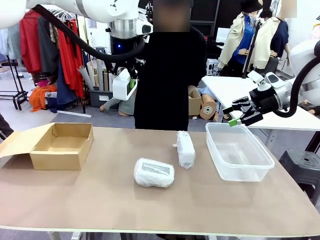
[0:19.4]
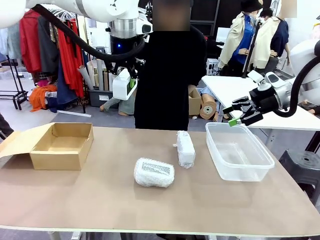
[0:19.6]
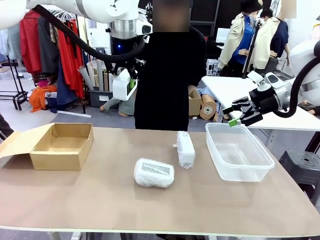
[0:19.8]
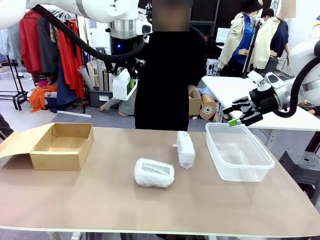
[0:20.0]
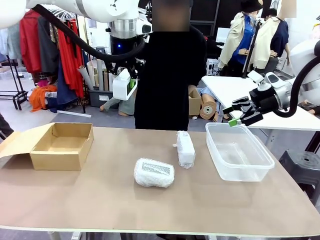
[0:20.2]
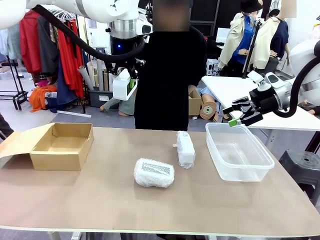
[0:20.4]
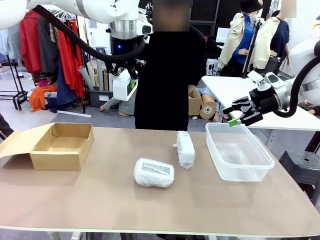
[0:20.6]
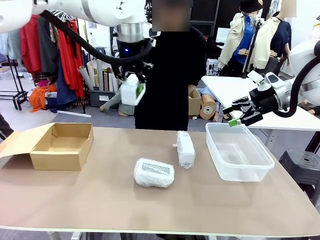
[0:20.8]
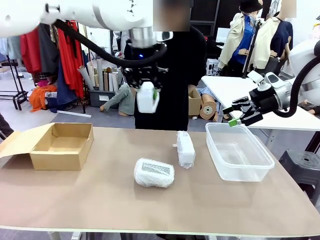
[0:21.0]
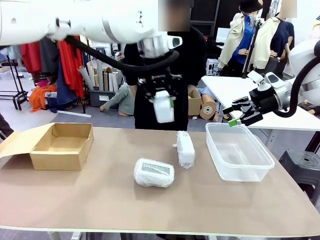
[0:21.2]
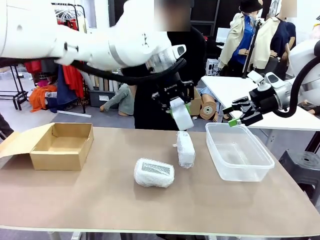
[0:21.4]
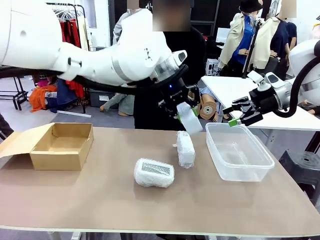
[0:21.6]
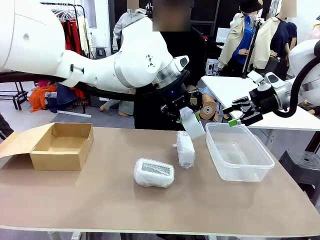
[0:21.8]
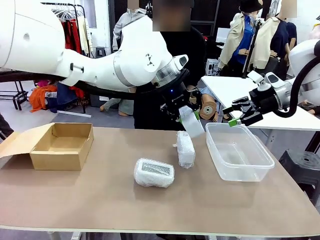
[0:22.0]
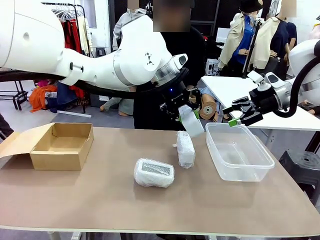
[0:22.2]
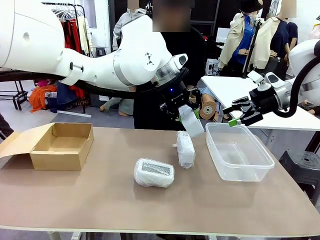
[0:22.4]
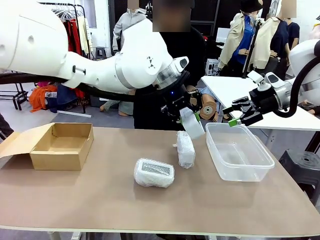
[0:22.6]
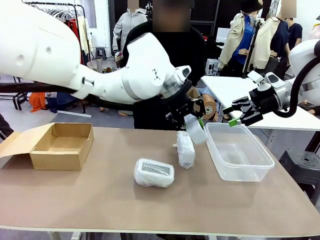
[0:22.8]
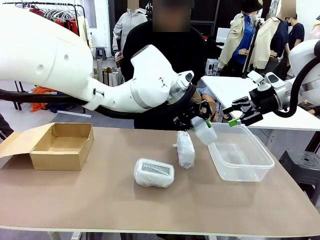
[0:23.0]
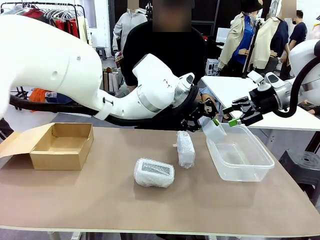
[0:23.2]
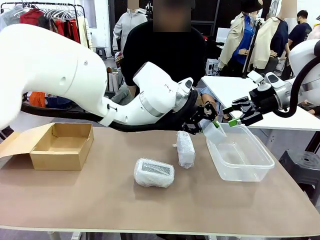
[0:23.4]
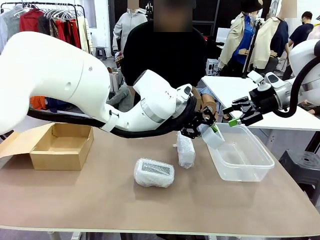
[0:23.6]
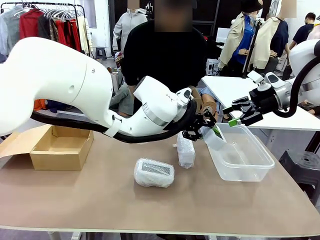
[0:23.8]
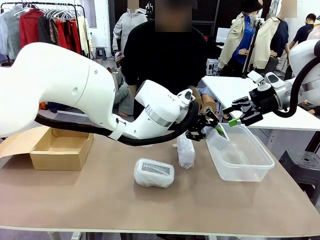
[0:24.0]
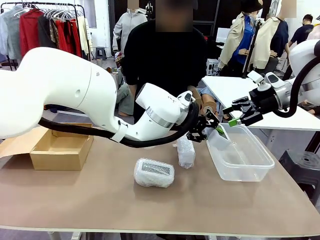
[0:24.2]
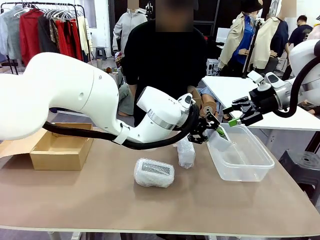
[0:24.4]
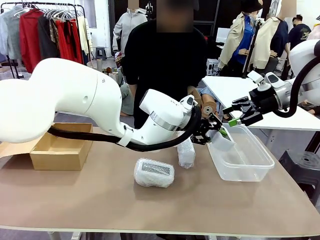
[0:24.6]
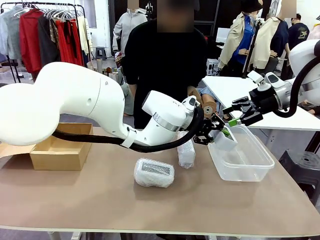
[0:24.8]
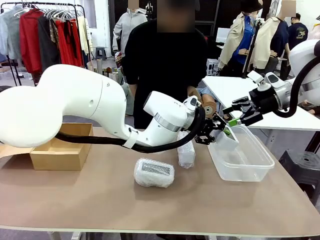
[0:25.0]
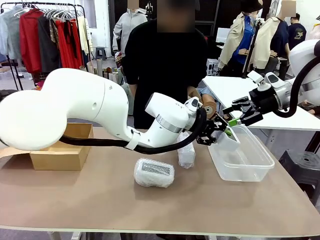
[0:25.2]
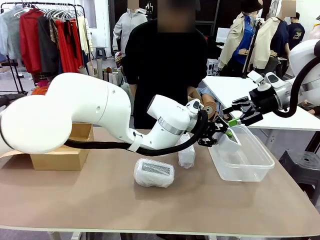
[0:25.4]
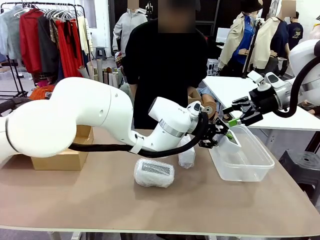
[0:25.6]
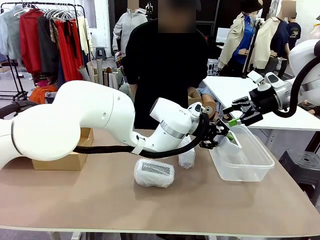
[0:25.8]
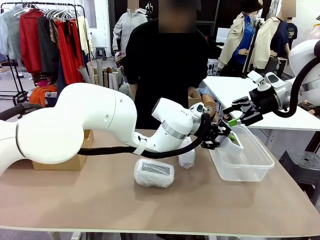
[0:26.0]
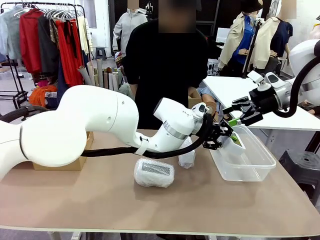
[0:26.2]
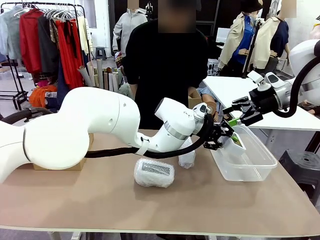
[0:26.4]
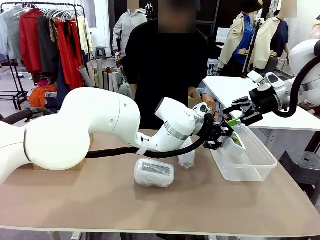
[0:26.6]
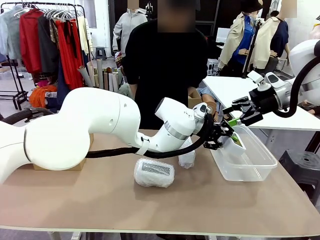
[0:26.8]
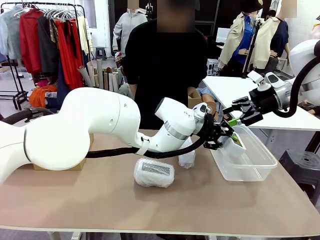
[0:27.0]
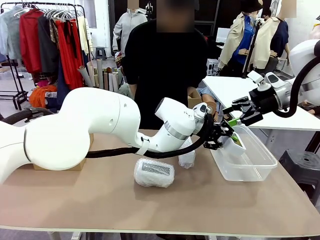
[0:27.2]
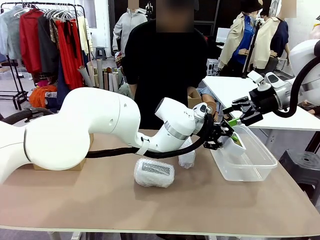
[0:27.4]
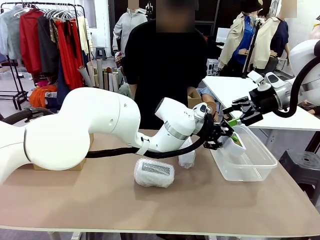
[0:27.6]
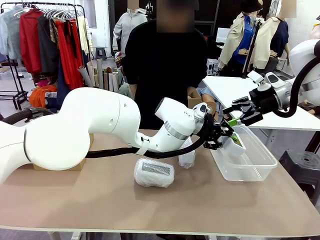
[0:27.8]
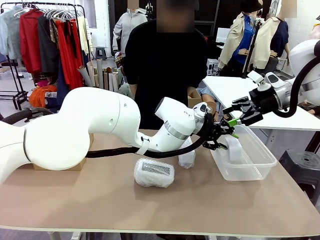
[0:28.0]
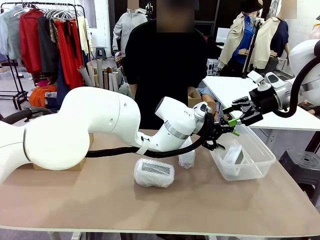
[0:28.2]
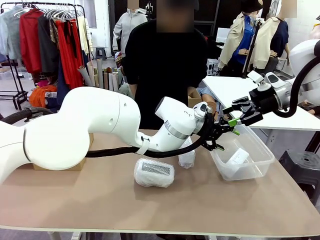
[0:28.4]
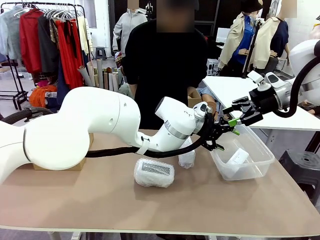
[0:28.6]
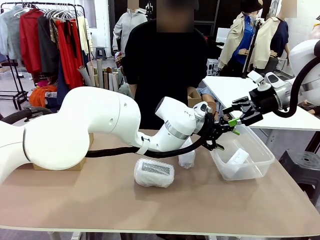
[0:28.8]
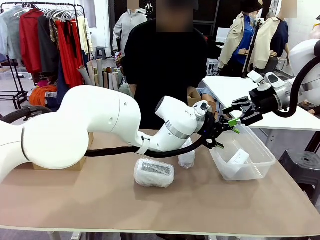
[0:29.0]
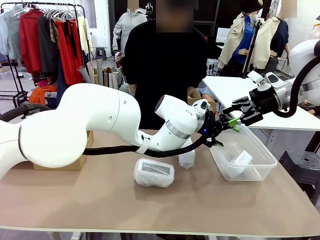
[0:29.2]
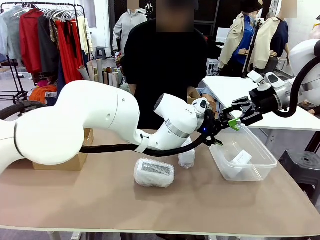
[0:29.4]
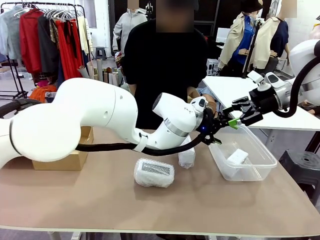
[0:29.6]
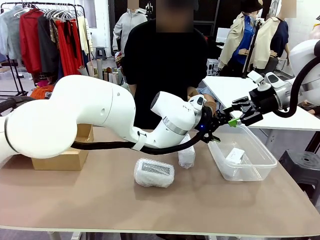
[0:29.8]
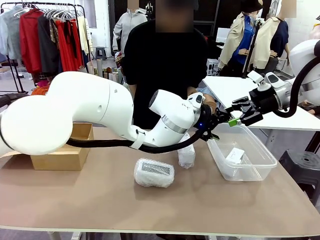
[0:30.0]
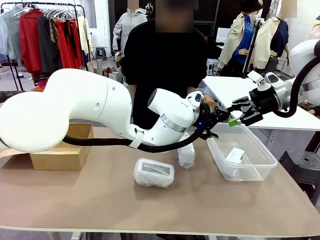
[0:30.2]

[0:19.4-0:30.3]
Task: Separate and place wrapped and unwrapped clocks.
Robot: If the picked Digital clock is wrapped, place it in the Package Box ; if not, place it in the Organizing box.

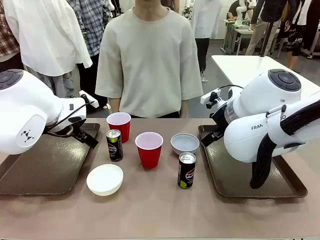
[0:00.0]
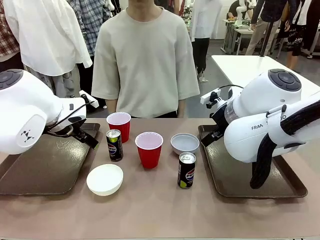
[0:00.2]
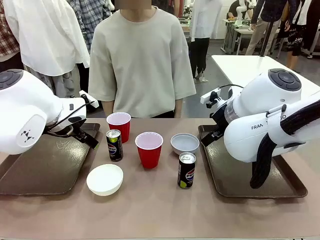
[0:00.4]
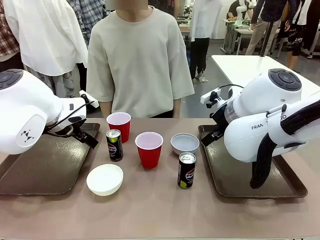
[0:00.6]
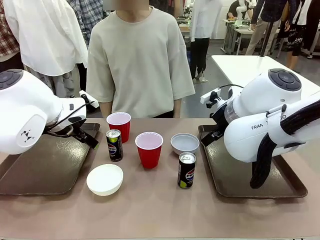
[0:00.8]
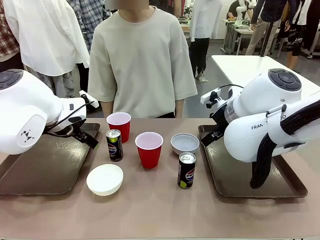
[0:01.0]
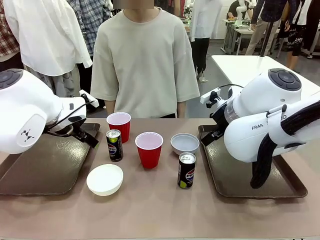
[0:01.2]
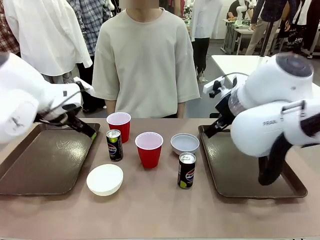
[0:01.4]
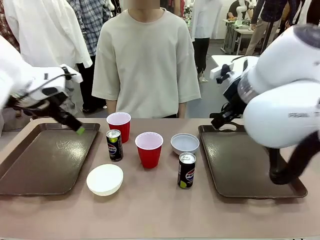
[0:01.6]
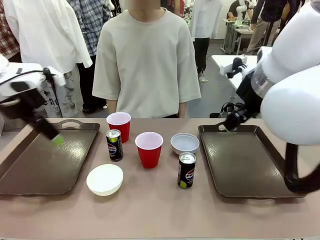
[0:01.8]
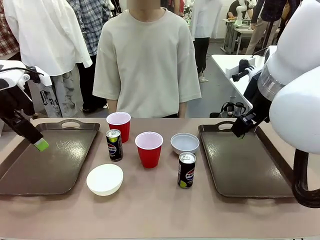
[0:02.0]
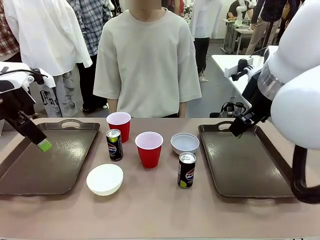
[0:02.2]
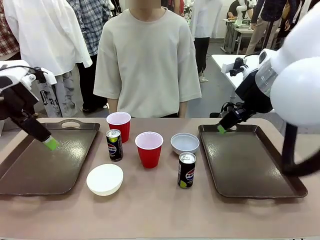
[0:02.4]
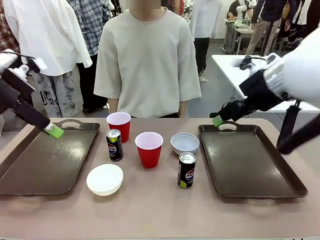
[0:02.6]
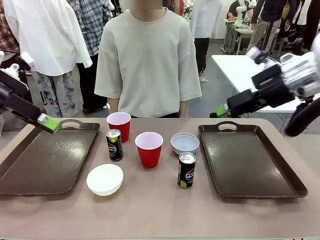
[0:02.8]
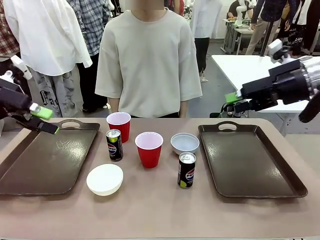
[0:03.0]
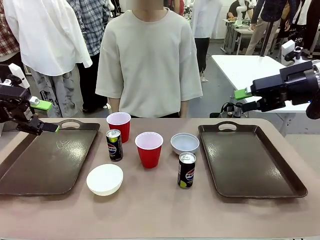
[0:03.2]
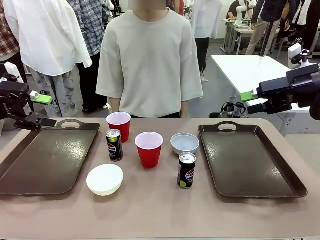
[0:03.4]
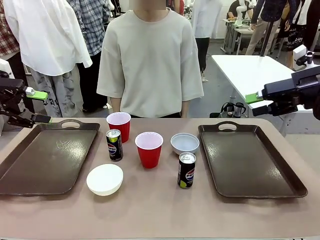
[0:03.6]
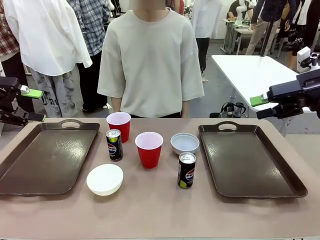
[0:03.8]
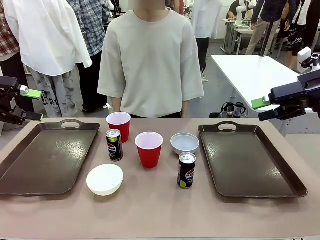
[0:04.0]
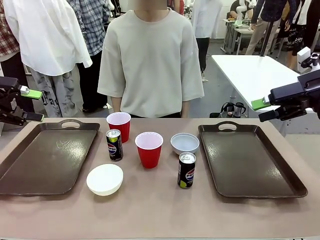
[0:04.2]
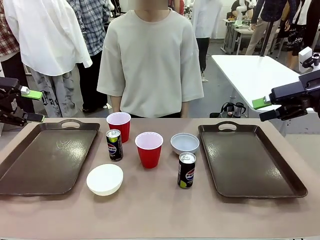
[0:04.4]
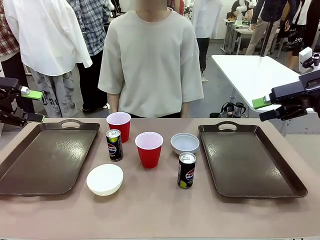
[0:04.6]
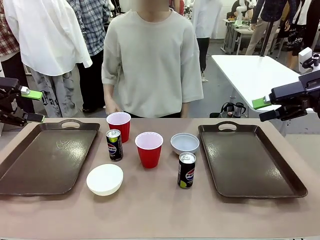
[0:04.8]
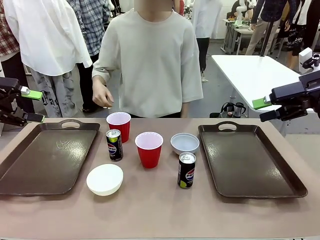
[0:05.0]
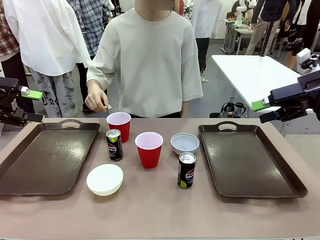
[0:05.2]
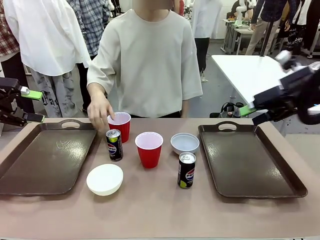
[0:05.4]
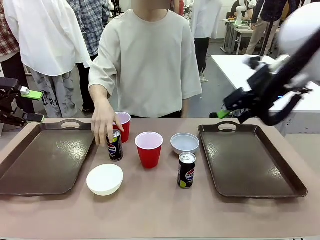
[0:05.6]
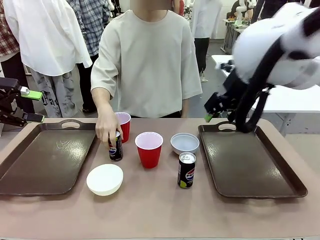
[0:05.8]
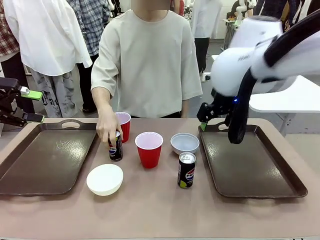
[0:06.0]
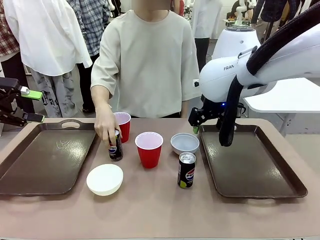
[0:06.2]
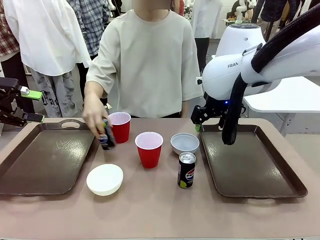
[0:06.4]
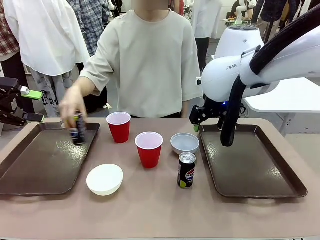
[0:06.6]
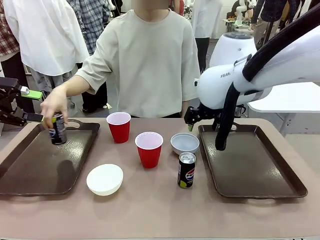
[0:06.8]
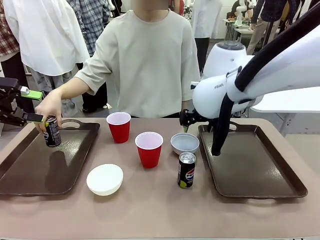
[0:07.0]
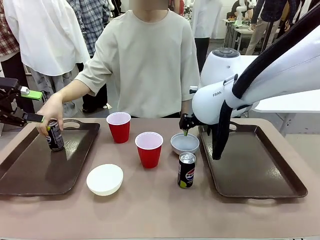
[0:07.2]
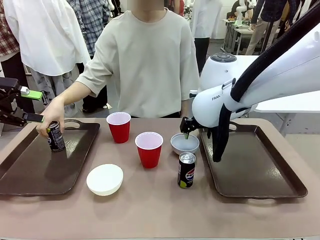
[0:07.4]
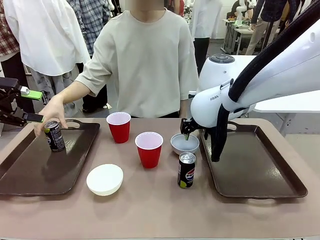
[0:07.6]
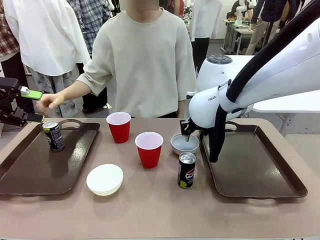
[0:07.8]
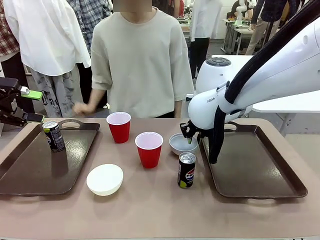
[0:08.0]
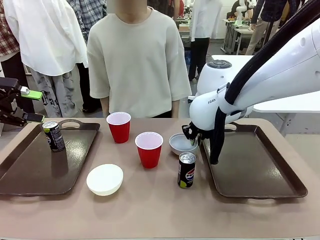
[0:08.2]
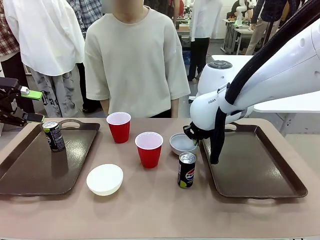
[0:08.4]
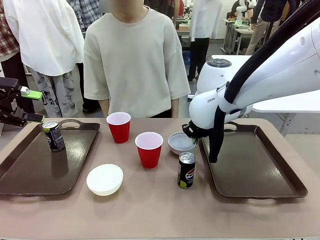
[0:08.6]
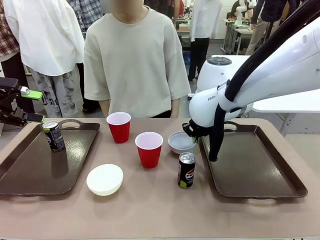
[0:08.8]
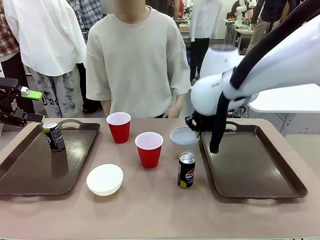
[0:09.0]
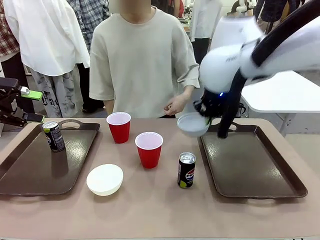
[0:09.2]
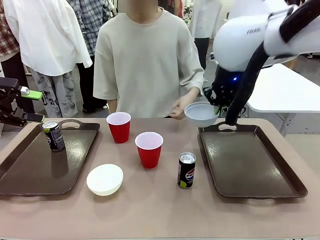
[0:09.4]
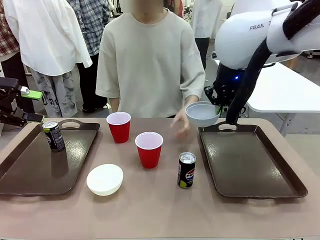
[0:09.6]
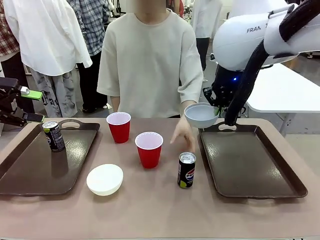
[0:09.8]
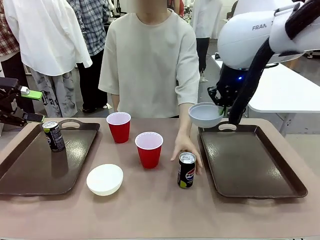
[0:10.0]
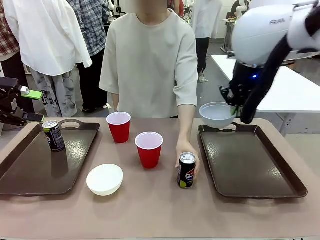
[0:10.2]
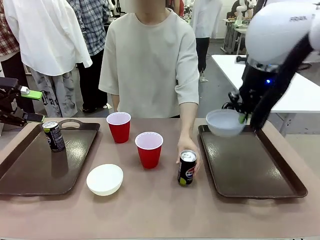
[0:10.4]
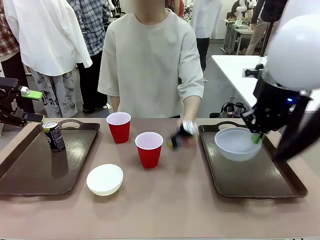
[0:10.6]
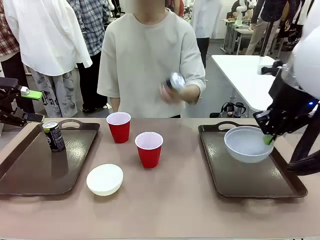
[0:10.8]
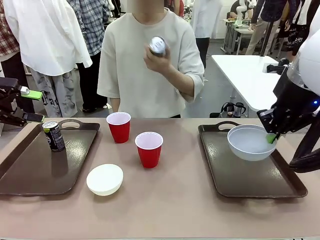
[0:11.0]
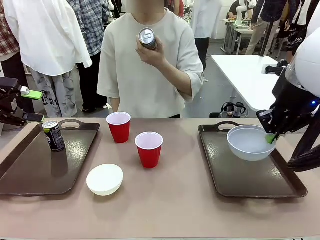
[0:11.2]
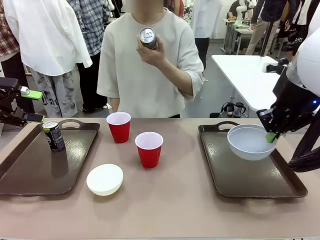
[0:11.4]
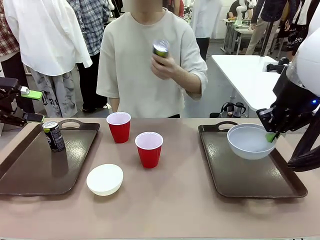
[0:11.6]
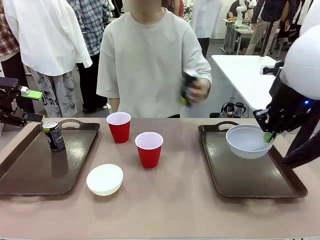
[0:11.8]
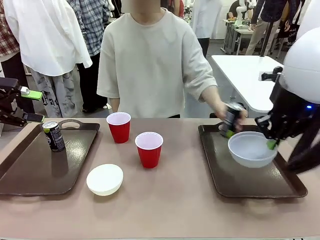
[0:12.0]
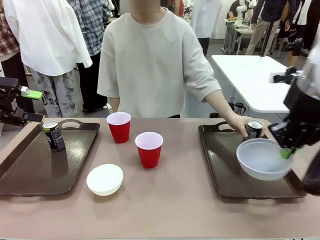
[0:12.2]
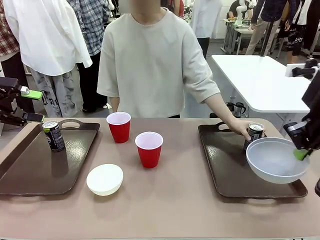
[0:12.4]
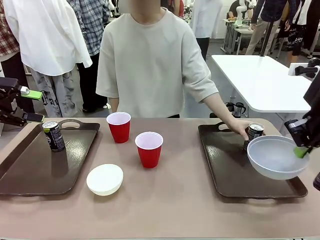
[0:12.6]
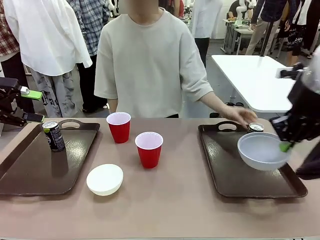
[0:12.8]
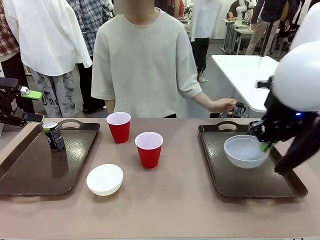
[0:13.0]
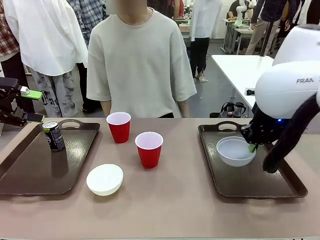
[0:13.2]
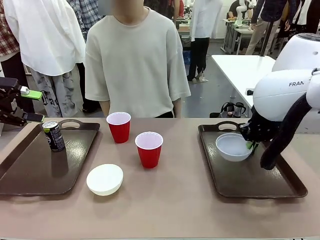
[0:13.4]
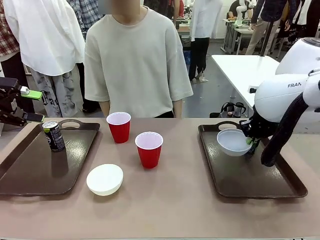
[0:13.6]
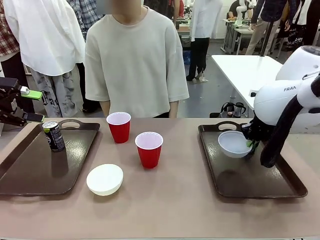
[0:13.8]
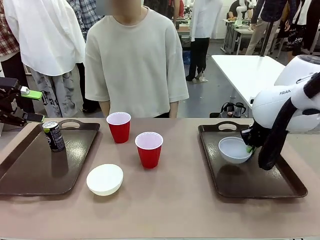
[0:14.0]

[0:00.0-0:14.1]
Task: Prepare tableware on both trays.
Robot: Pick up a Picnic Bowl from the table and place it on a Handle tray.
Person: Pick up a can or cup and place it on the tray.
